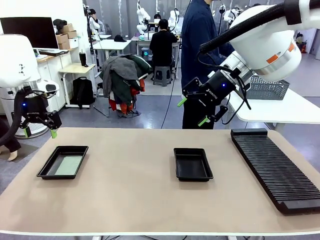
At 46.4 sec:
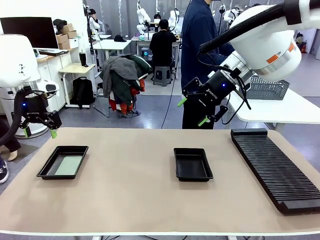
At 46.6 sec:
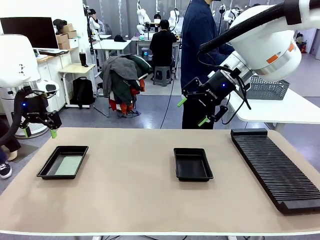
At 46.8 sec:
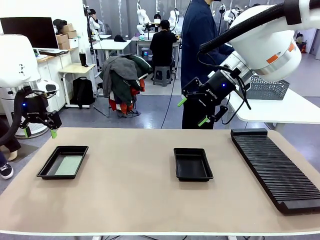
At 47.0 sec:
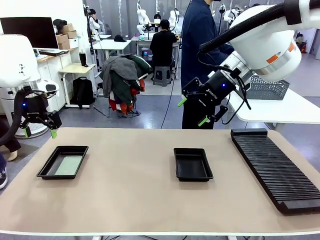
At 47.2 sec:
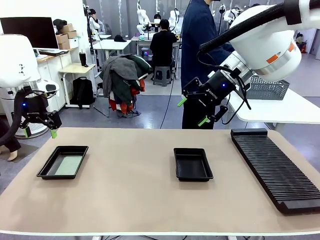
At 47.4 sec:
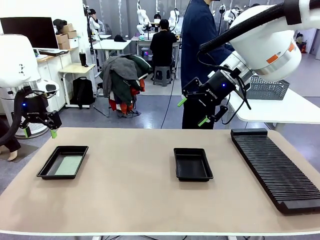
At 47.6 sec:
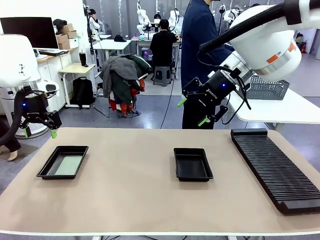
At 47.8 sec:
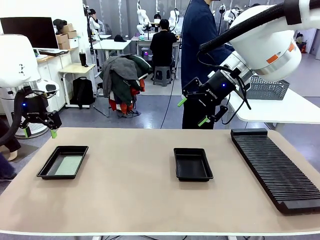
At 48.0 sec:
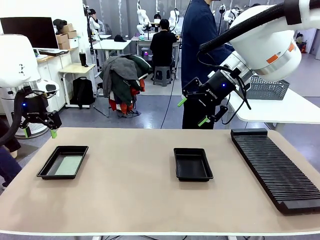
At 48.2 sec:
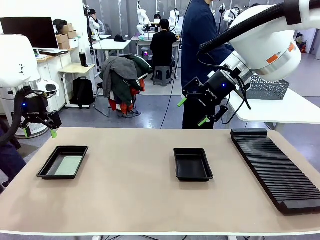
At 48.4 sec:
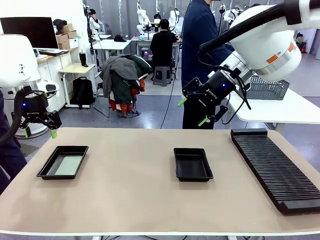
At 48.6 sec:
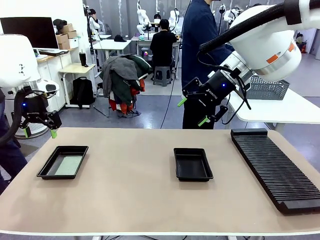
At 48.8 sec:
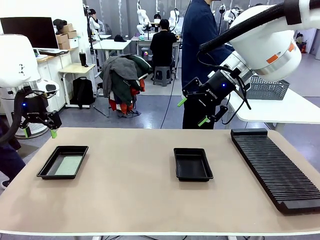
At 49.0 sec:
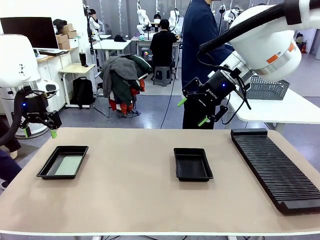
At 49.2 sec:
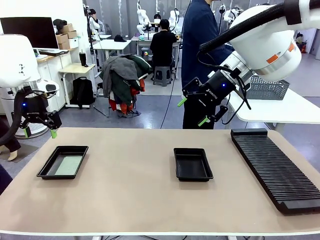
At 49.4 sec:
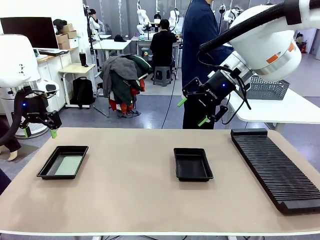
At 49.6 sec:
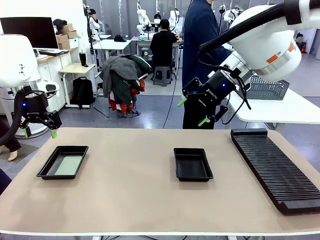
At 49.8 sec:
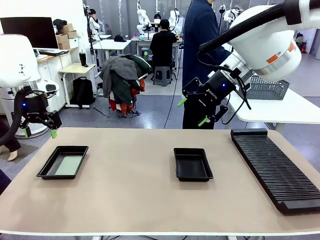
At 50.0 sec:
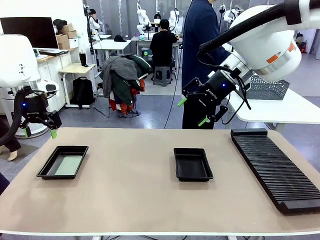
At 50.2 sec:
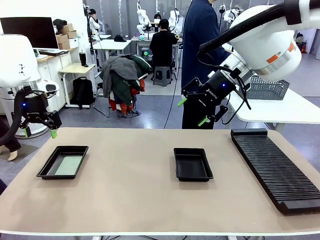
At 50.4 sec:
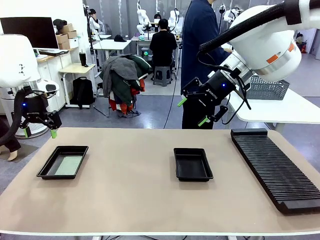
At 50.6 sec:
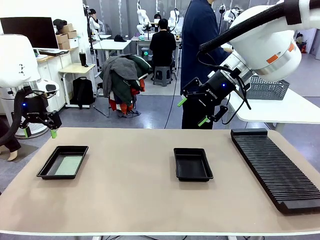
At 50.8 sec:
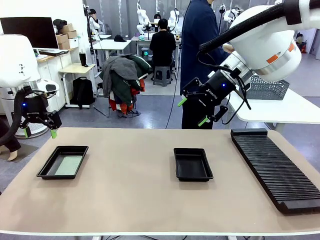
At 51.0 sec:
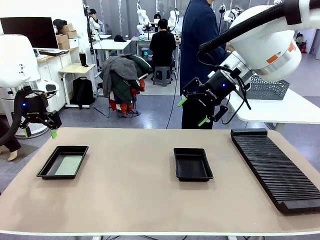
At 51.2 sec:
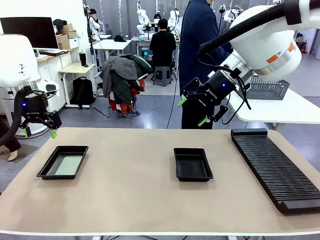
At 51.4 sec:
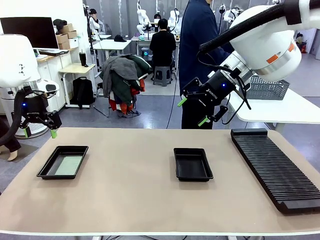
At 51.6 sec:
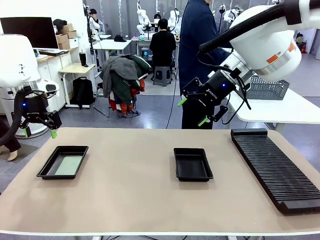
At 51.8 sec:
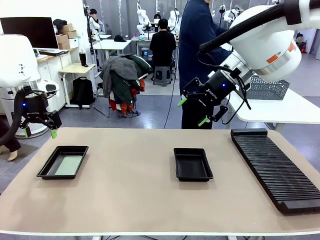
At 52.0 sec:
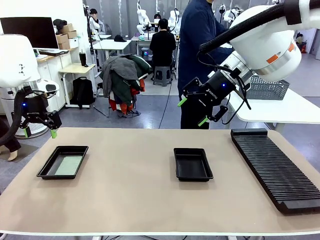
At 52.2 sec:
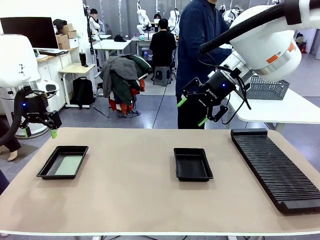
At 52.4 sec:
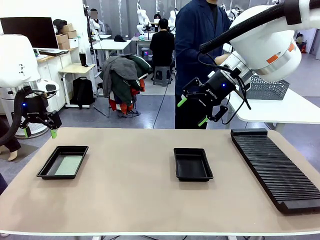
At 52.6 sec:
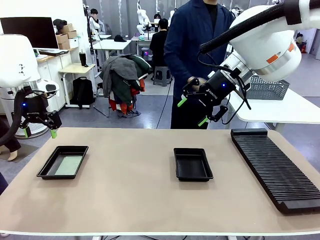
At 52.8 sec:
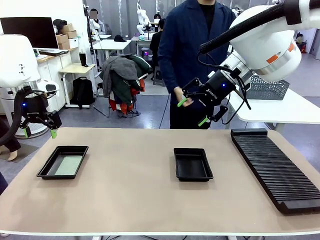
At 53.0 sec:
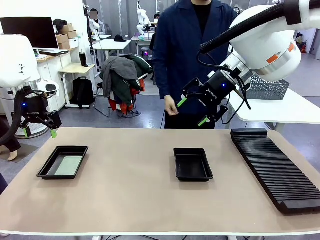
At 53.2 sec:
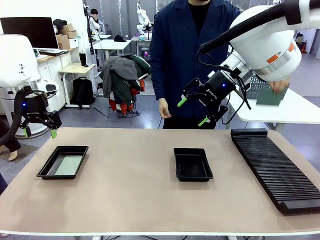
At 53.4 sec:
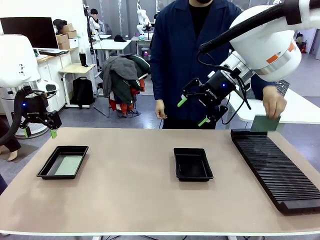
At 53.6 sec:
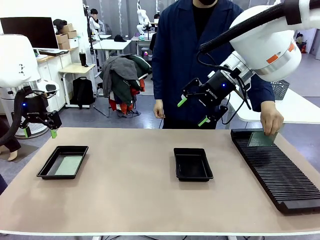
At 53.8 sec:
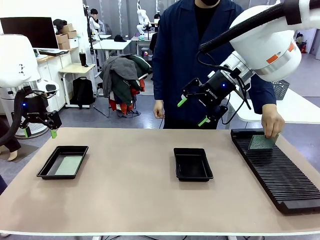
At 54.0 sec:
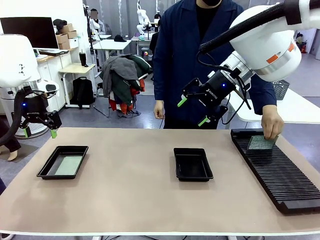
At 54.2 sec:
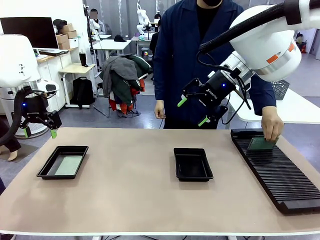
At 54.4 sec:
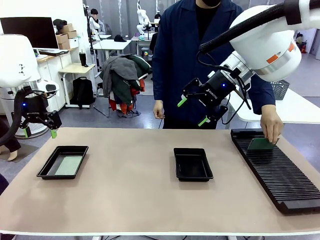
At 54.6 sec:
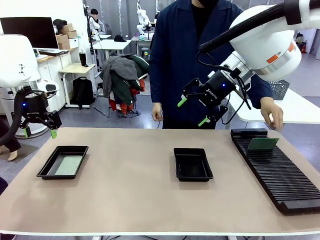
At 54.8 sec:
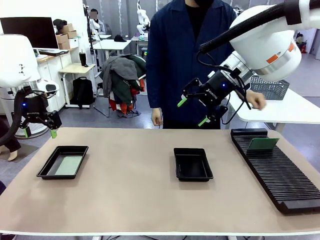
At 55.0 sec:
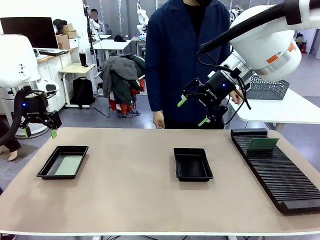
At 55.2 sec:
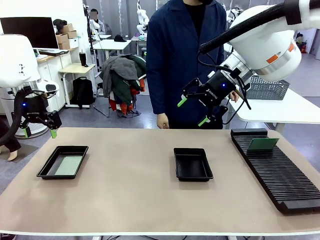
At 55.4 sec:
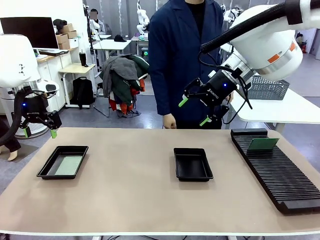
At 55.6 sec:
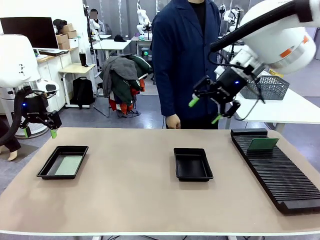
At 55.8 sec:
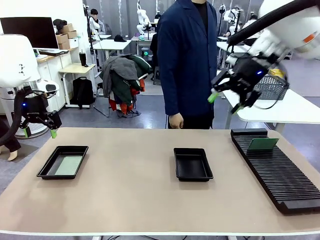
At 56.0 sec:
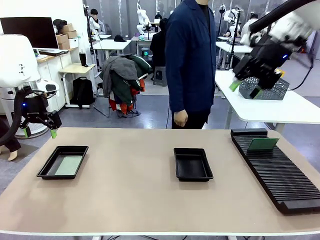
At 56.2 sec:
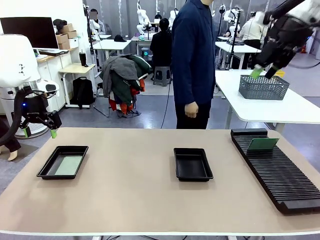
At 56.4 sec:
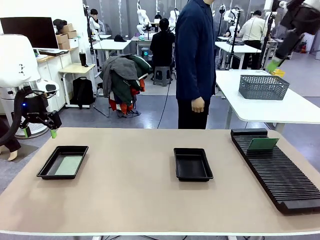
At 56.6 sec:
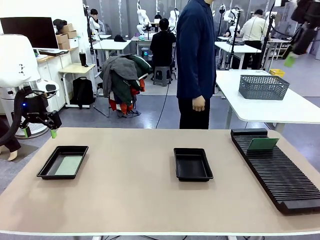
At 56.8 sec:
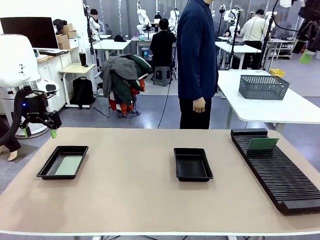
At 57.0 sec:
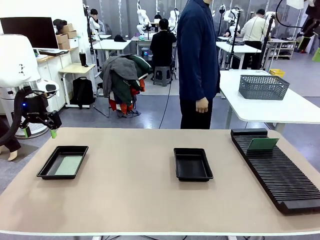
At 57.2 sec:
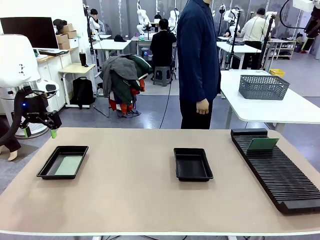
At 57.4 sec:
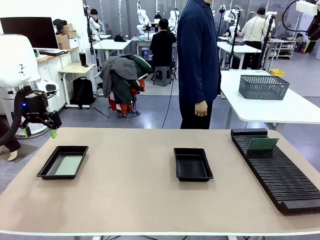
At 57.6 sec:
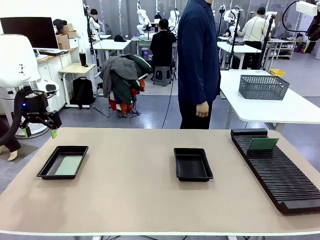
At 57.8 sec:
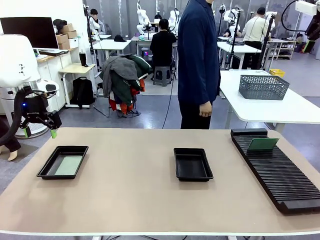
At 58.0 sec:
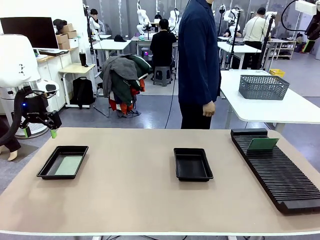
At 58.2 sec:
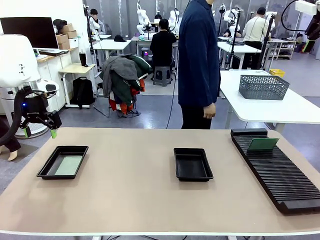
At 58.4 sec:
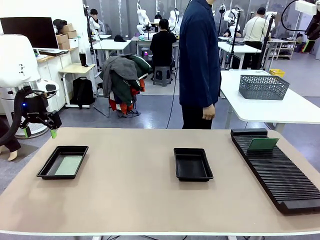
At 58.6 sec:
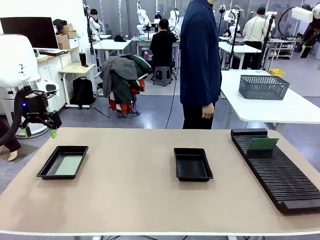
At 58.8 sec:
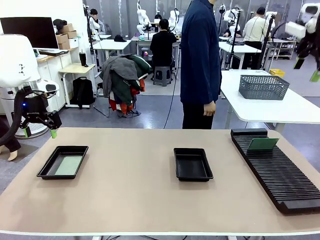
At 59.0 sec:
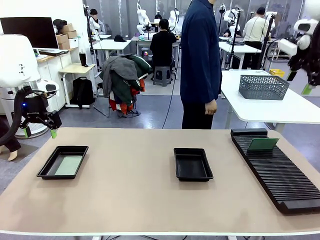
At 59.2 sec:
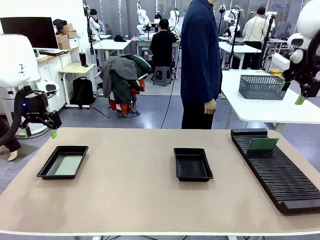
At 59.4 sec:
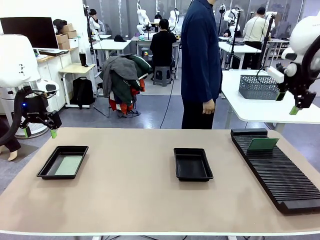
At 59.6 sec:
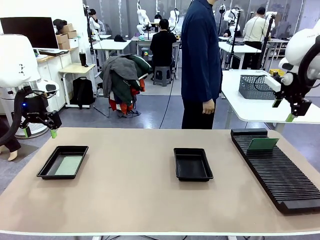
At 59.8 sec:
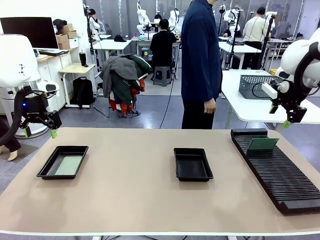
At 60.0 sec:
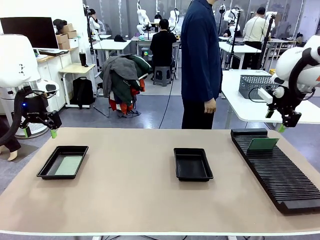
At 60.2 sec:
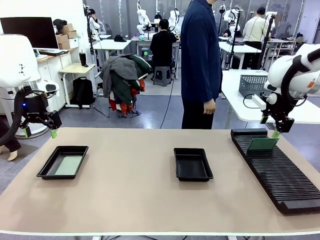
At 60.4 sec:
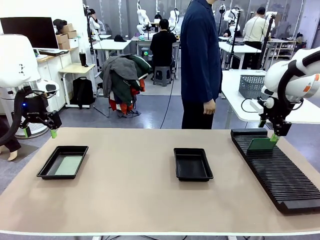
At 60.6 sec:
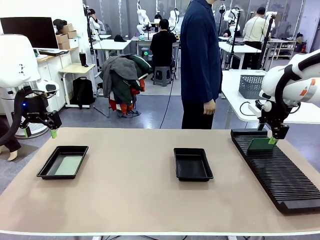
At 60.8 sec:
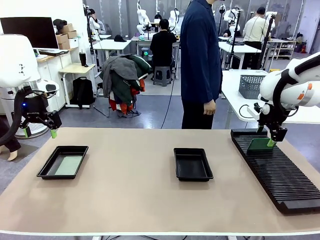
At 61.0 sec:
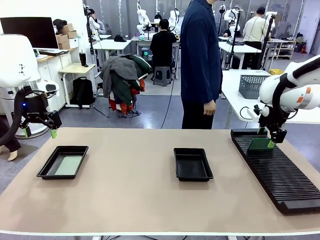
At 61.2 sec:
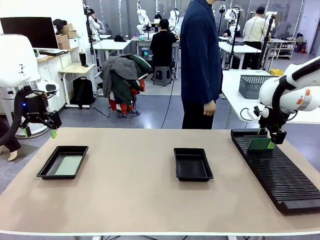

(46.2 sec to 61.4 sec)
Task: Inspect and transfer BCBs to ESD trays.
Robot: Pick up the Blank PCB from the PCB Rack and place it in the right ESD tray.
